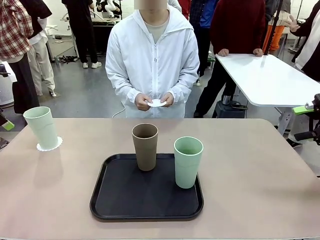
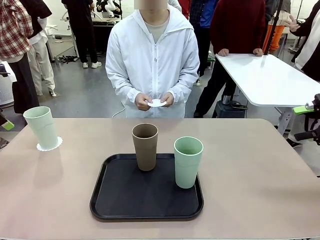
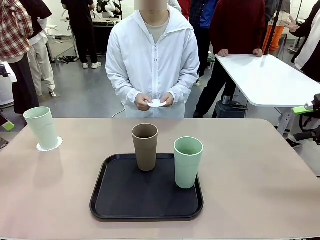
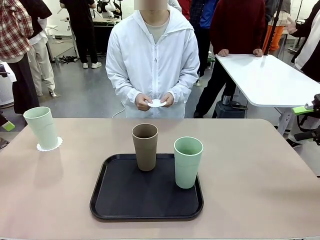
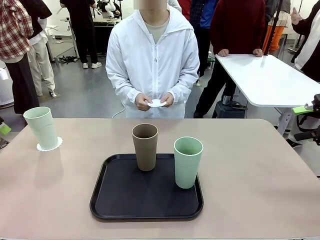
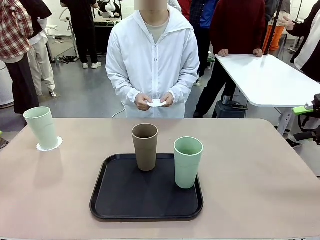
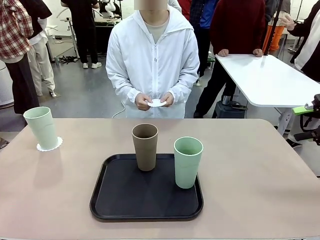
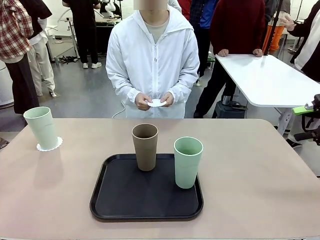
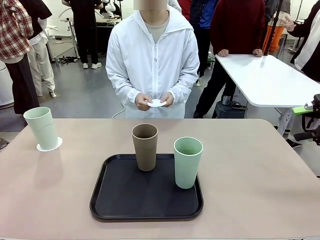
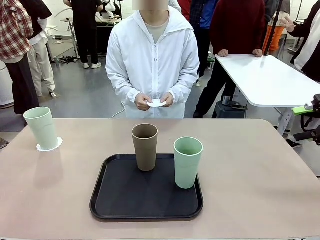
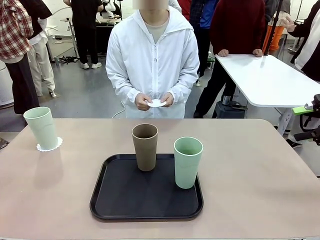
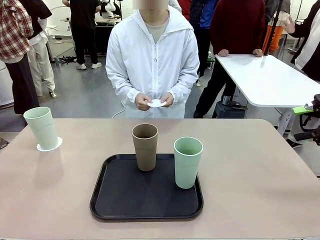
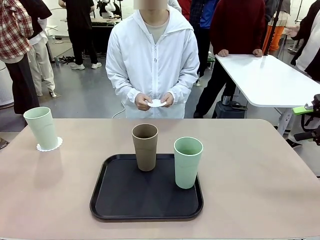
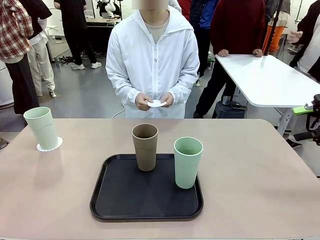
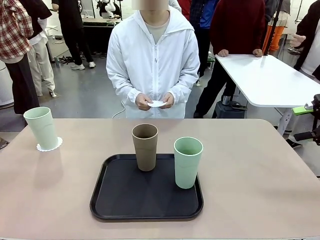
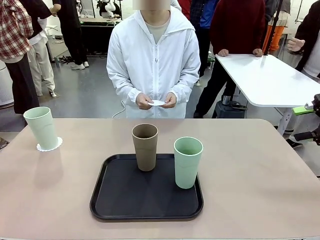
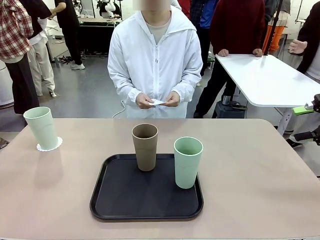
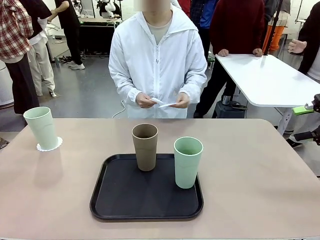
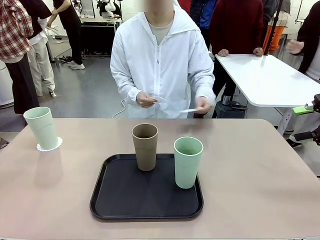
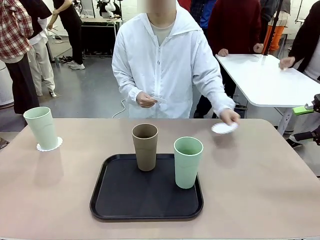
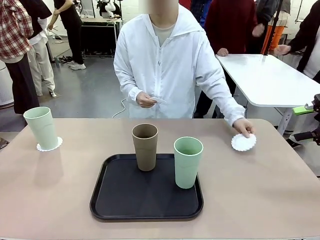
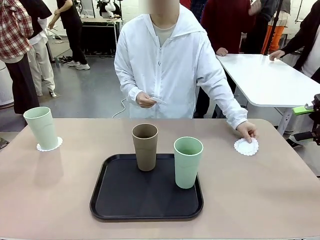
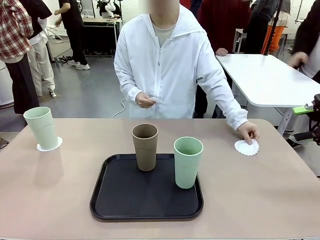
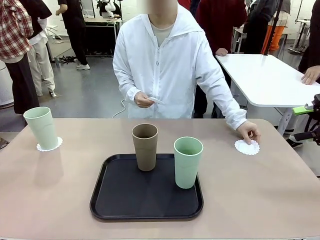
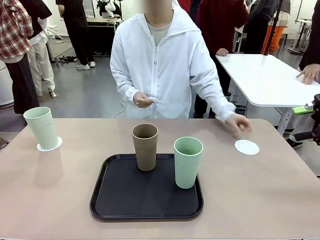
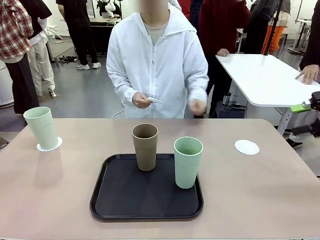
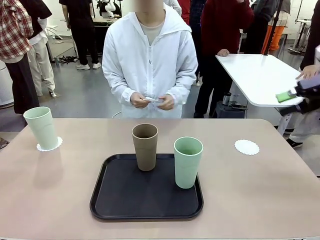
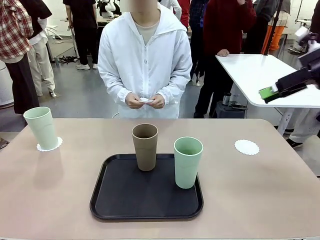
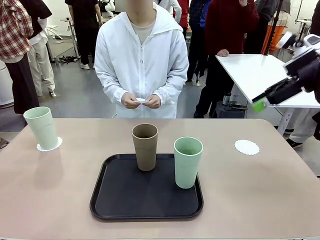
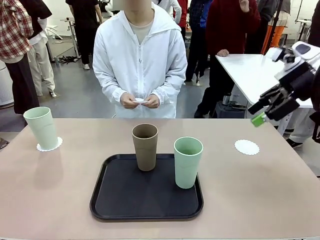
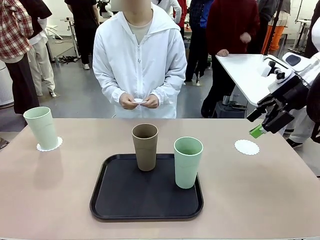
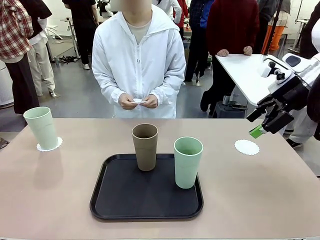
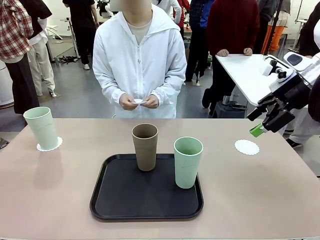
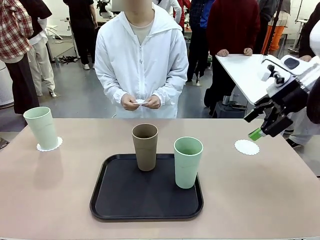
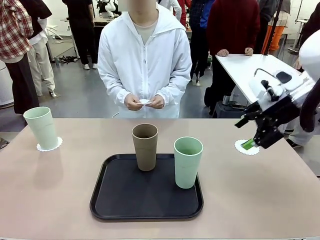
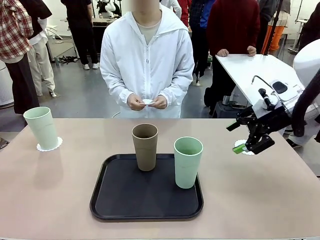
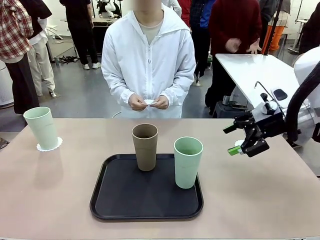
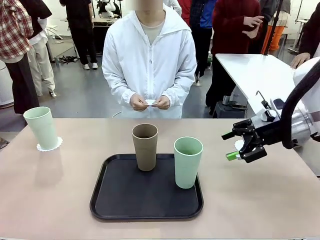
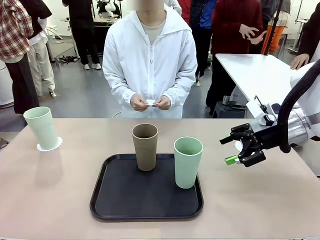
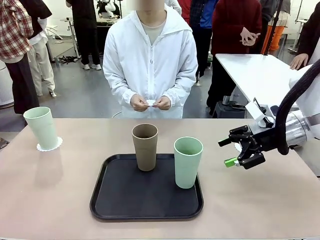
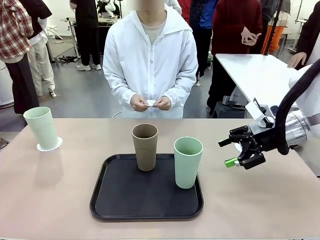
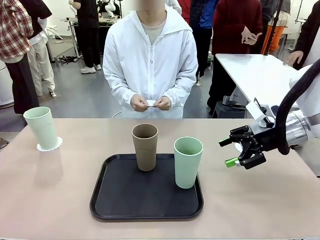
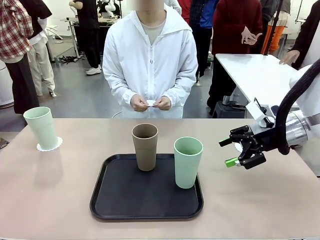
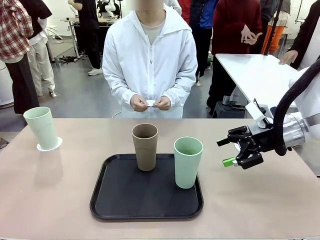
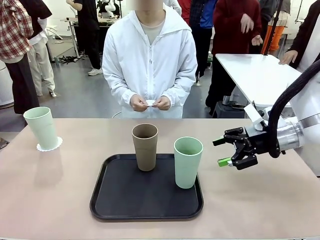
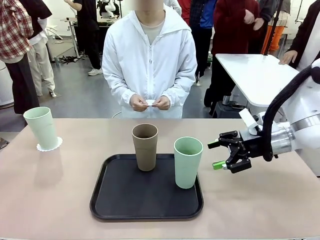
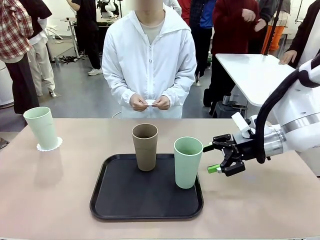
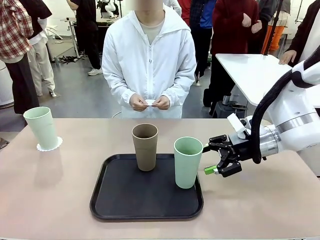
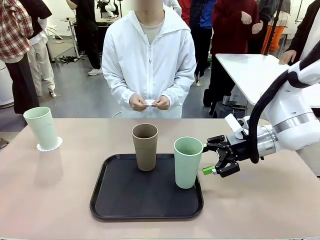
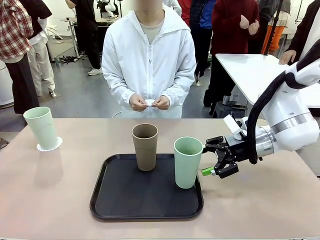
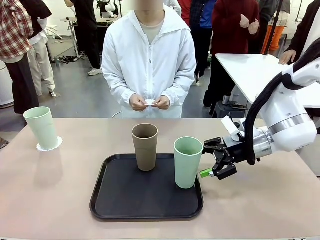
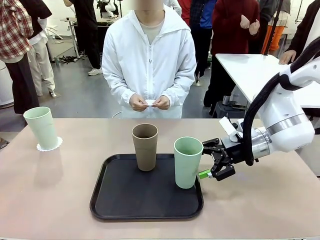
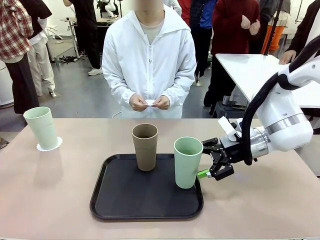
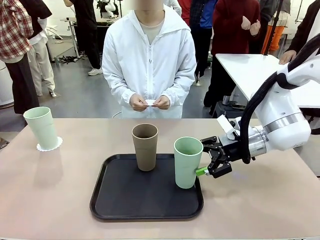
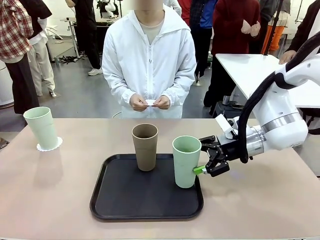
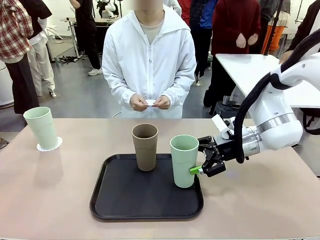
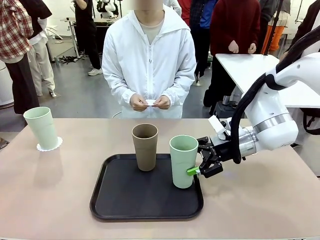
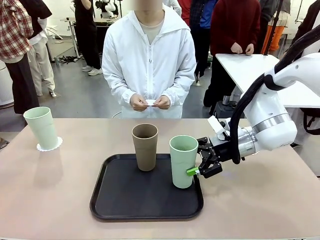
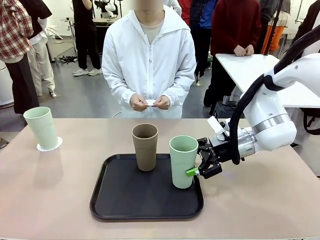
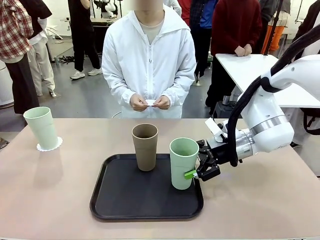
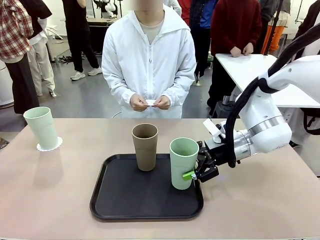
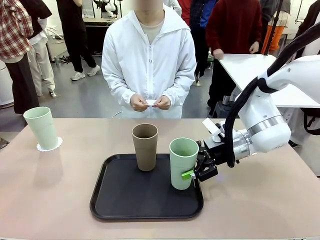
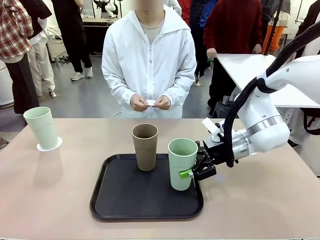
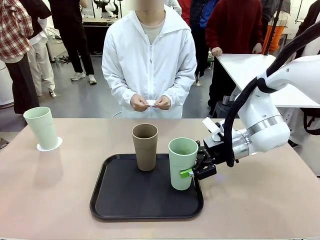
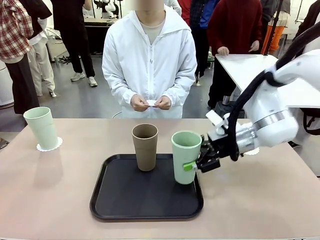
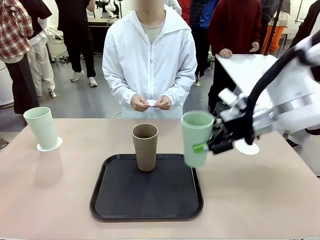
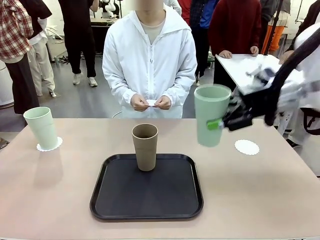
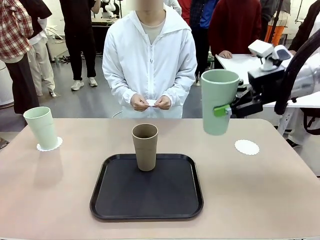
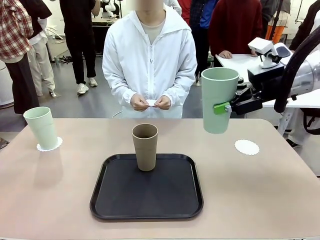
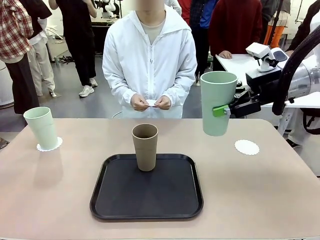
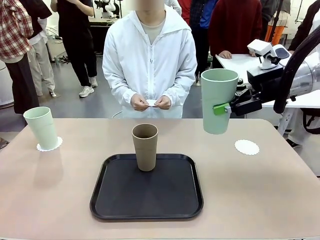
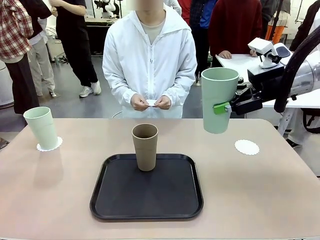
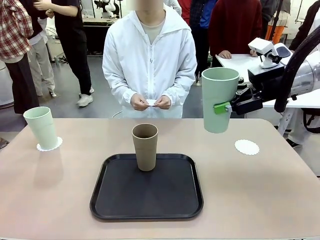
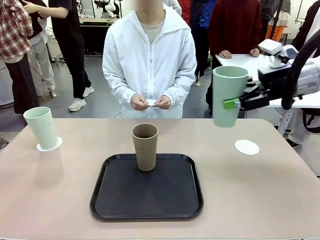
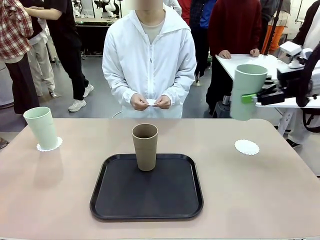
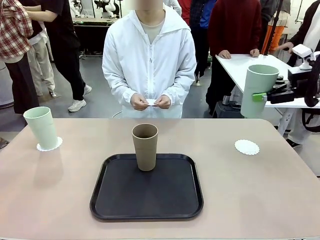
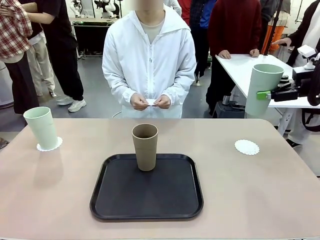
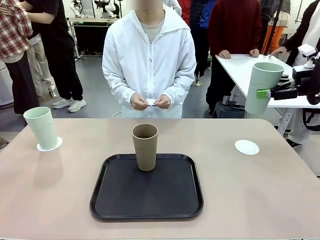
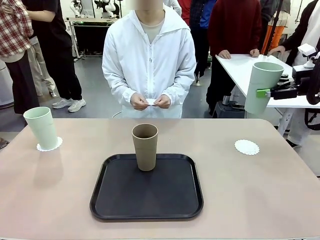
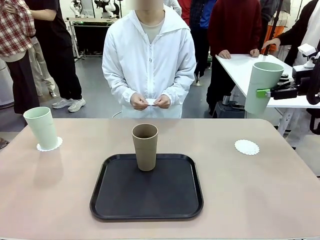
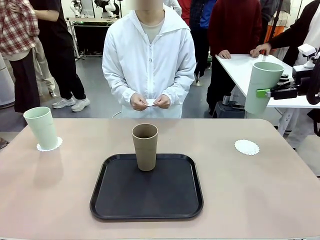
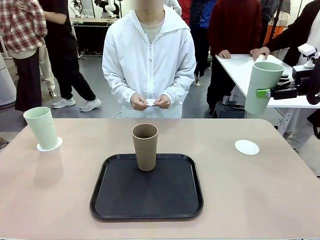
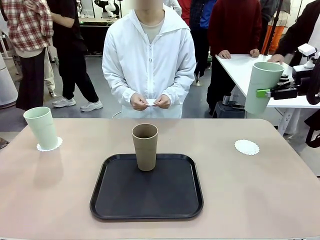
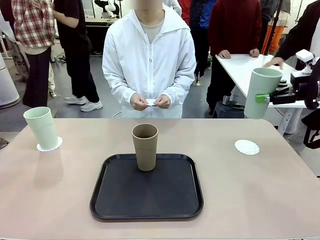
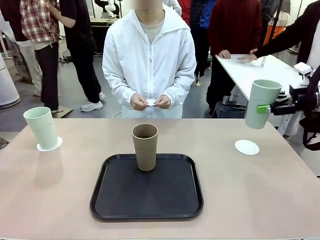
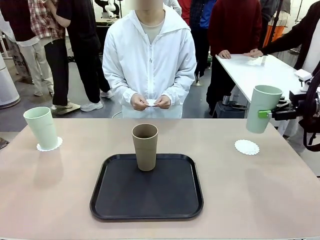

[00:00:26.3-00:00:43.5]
Task: Place coasters on the table and set cups on them.
Robot: Take one Reusable plastic cup from the Flat Tray and place it on a coaster set by the human.

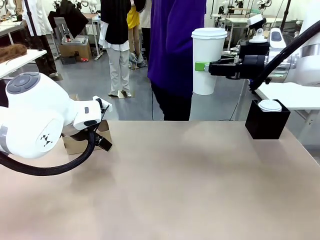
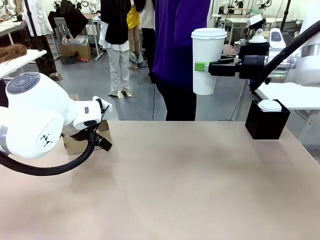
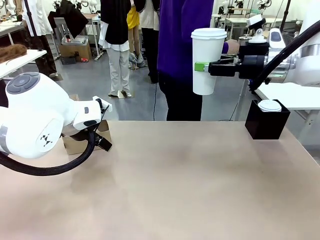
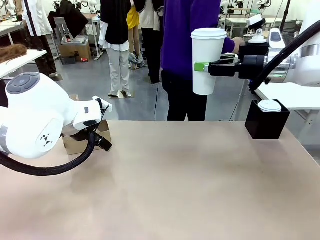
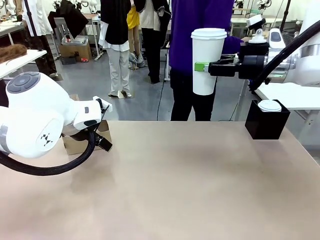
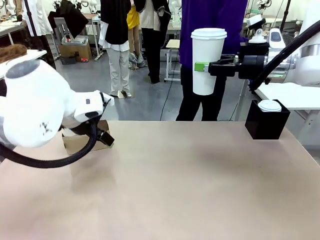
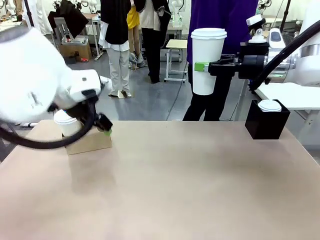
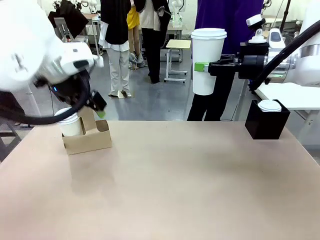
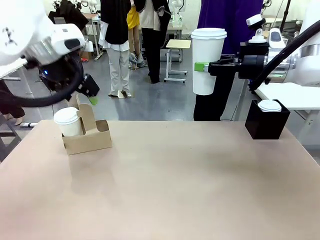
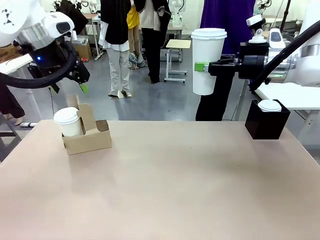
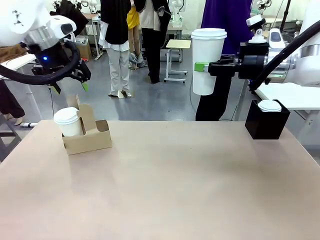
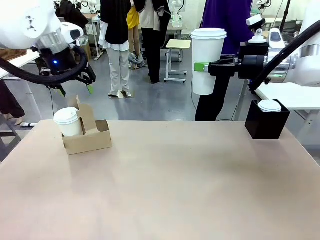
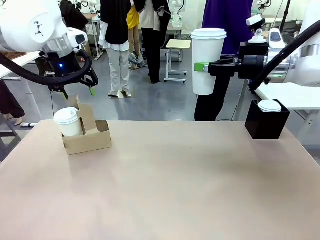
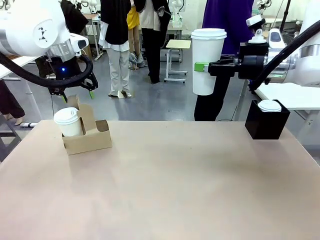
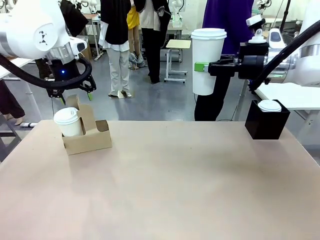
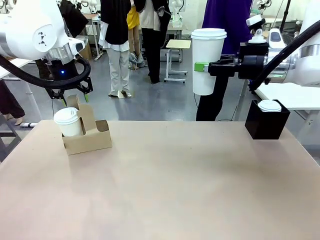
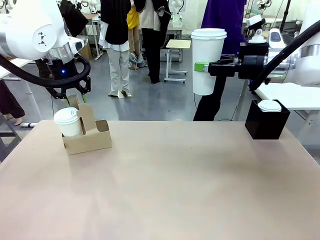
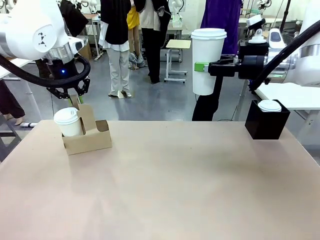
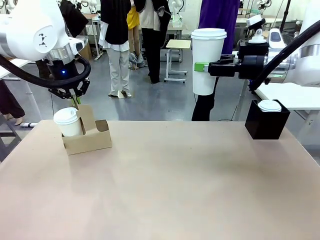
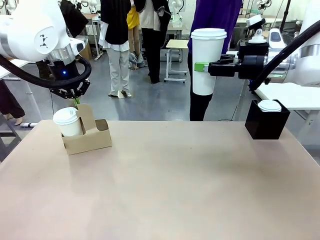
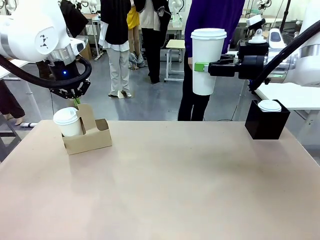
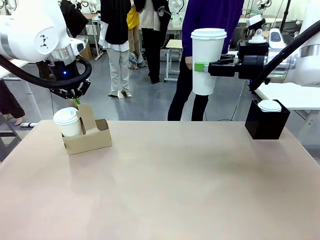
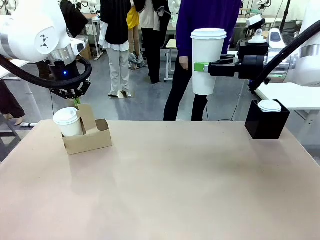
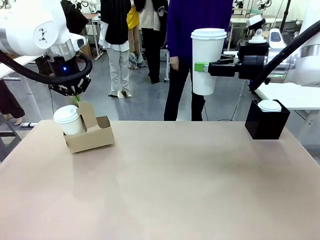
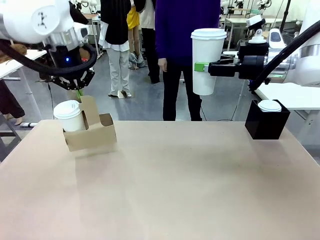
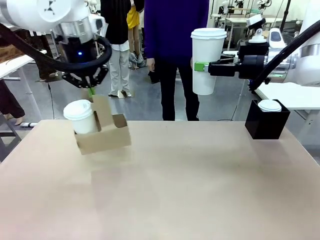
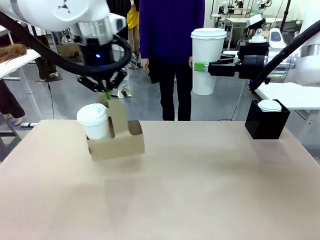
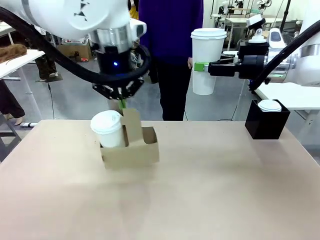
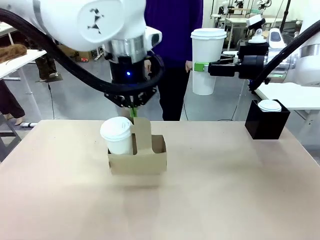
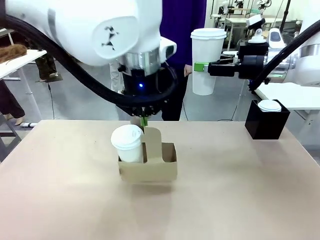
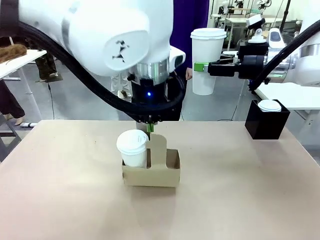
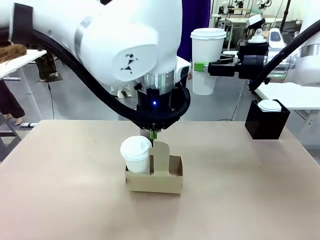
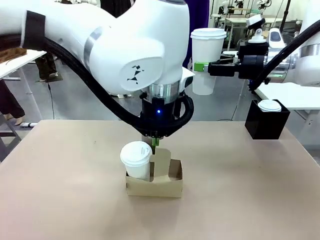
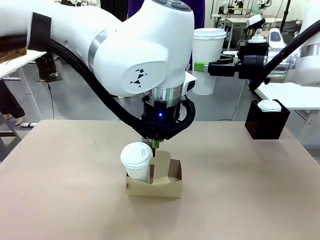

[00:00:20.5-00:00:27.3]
Task: Pour a drink into a cup and package it in a carrier.
Robot: Position the Cup Carrier in the center of the table.
Person: Pick up the Filter Brewing and place on the middle of Human table, and return to the Robot table.
